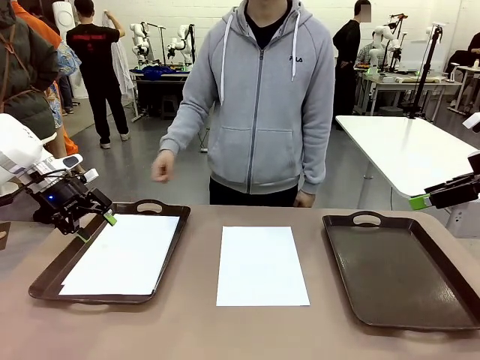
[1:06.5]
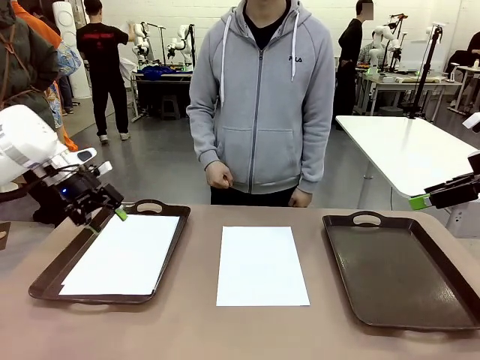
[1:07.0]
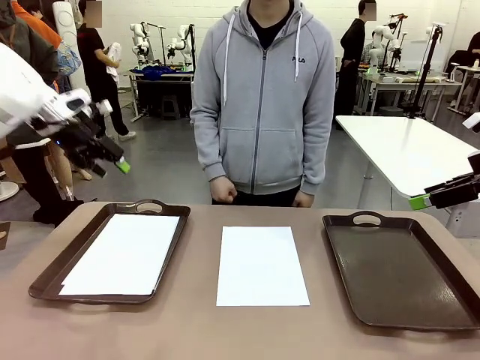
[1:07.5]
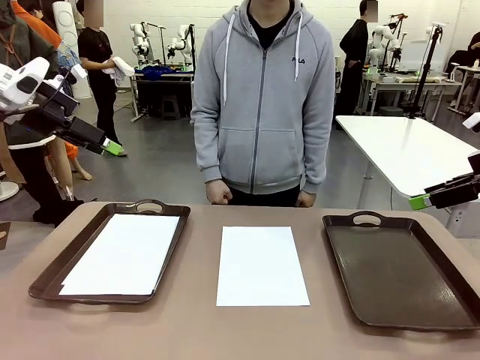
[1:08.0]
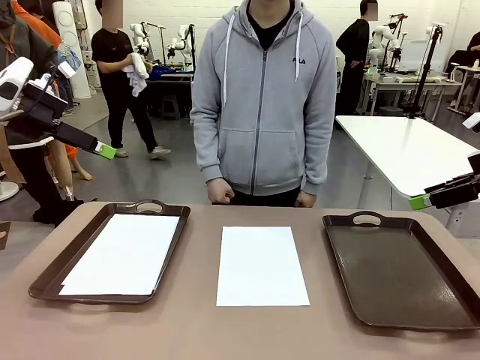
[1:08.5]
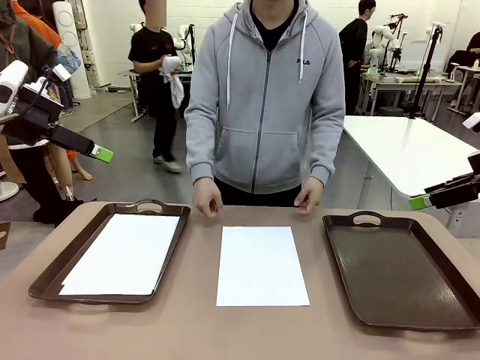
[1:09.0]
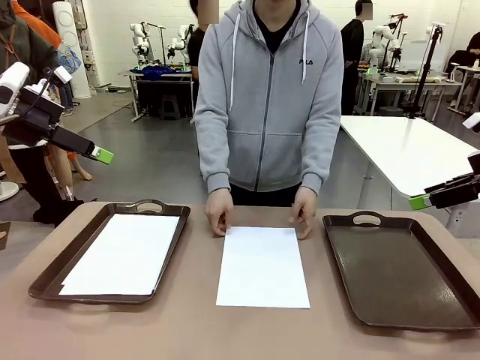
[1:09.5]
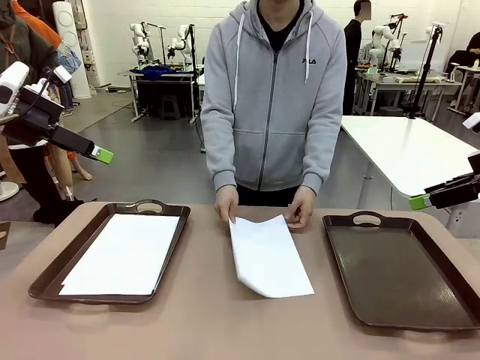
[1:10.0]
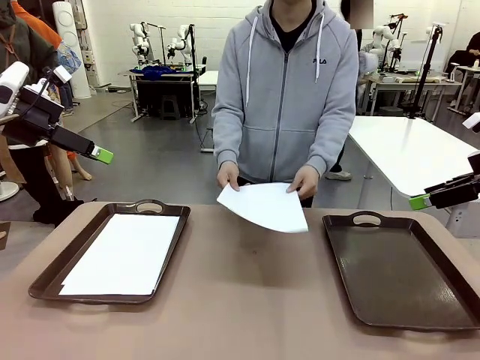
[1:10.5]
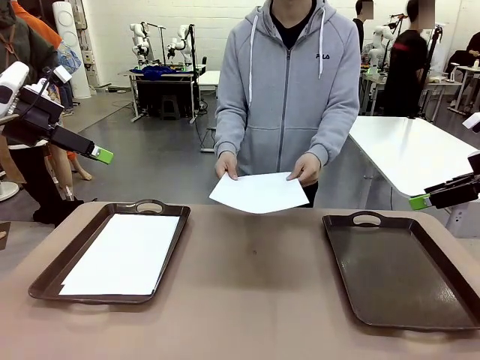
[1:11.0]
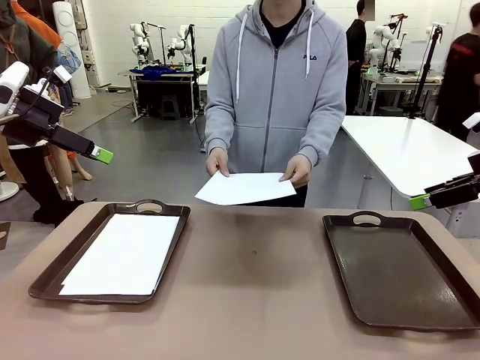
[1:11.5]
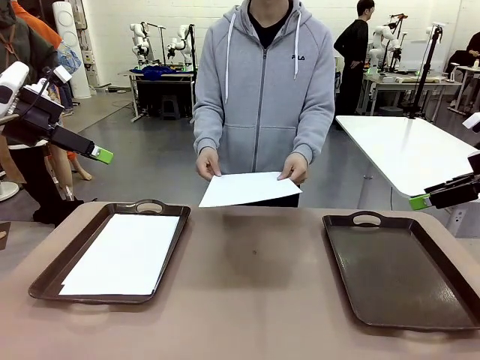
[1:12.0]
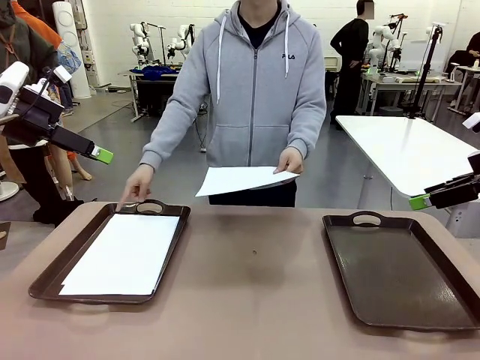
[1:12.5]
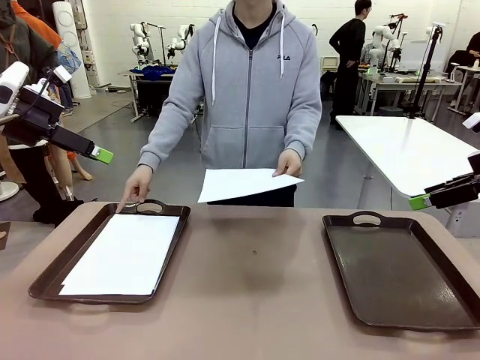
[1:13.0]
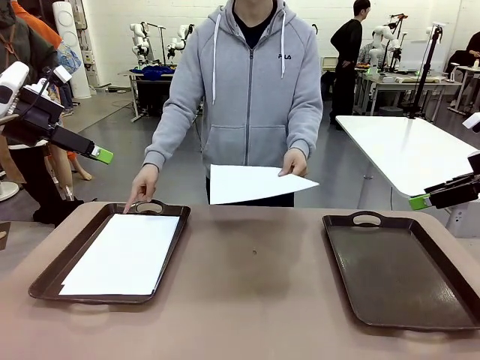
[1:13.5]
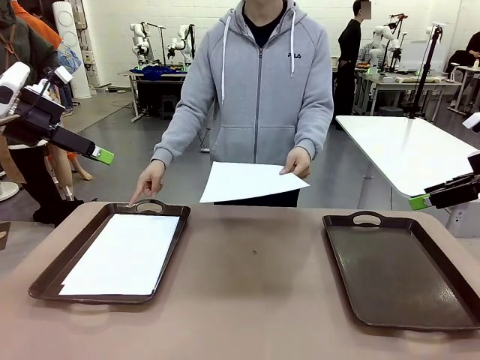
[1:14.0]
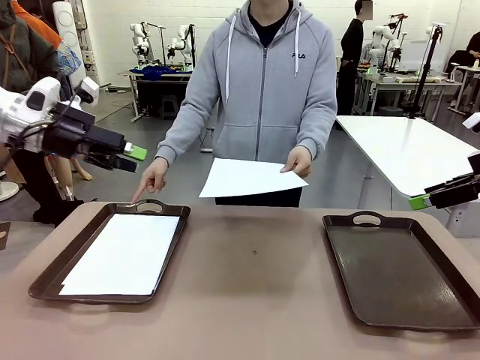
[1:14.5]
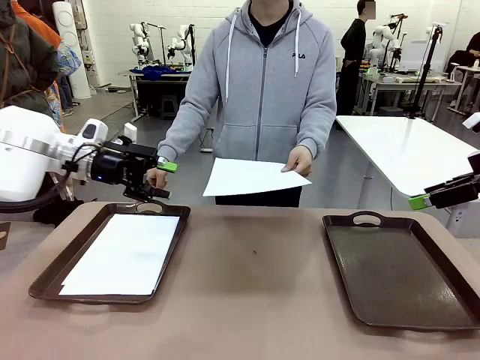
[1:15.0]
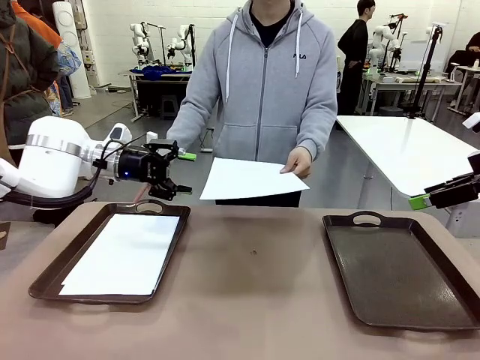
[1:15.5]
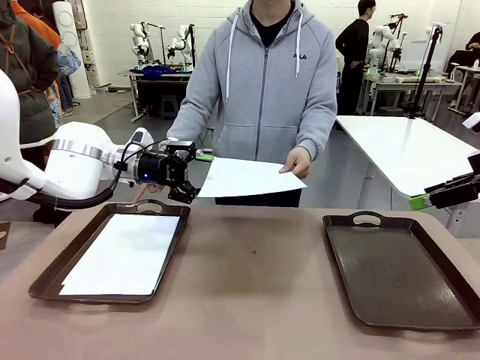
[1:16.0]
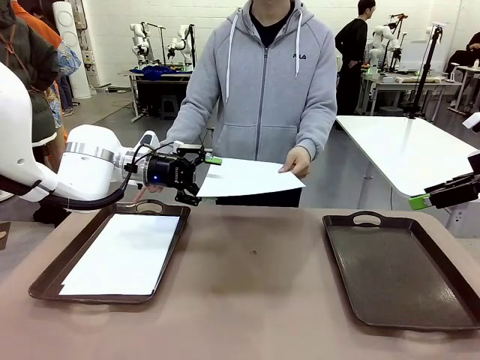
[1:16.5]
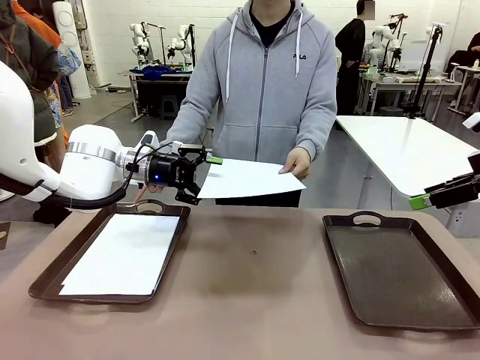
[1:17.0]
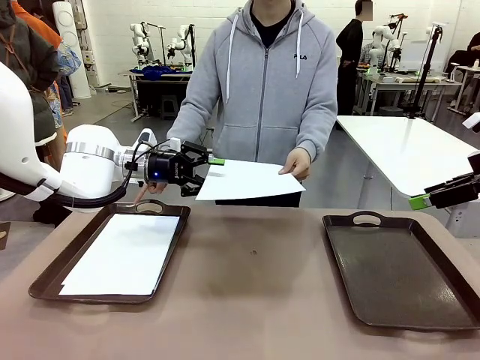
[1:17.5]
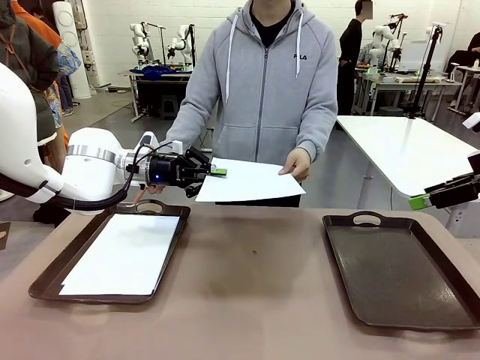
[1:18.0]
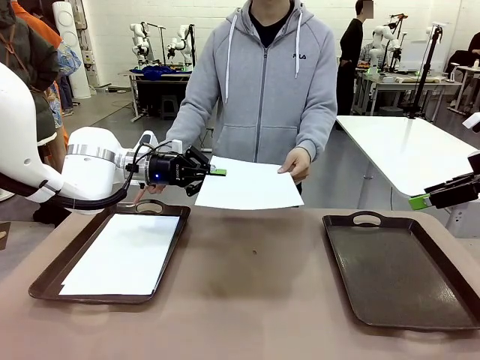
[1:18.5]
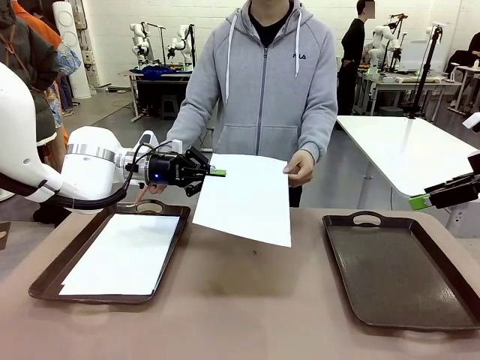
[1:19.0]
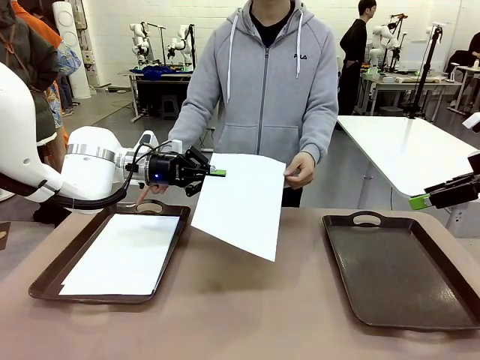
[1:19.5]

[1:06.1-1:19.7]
Task: Sort the A4 documents.
Robot: Receive the A4 Paper.
Person: Point the randomly selected tray with the other hand.

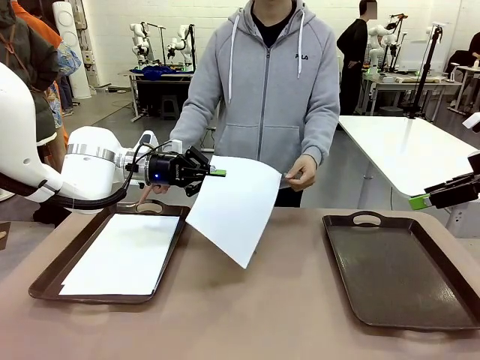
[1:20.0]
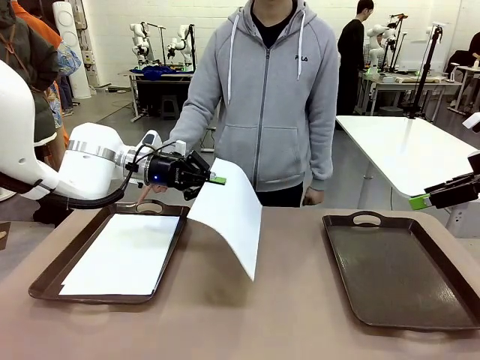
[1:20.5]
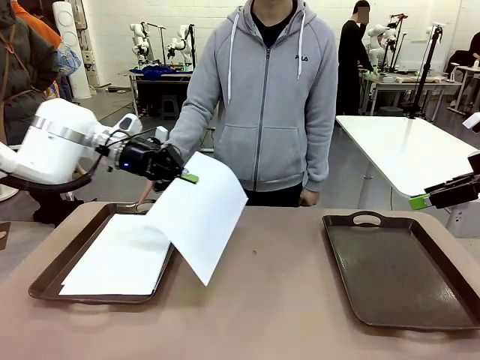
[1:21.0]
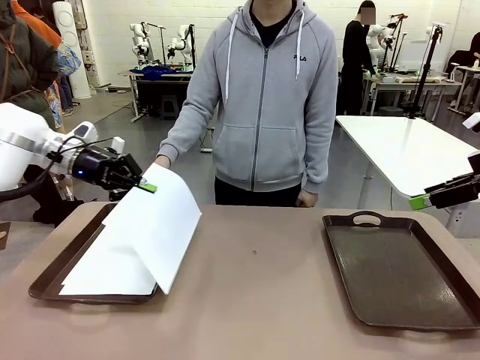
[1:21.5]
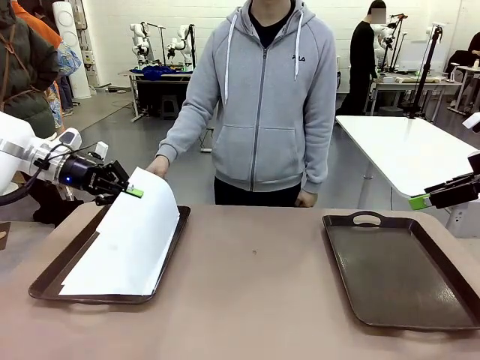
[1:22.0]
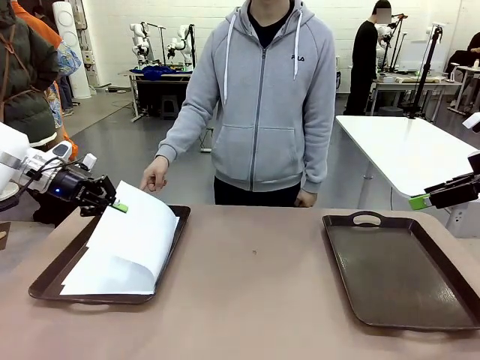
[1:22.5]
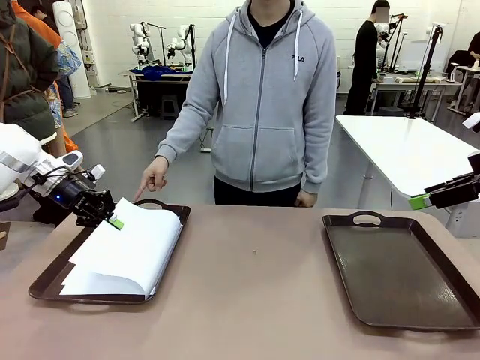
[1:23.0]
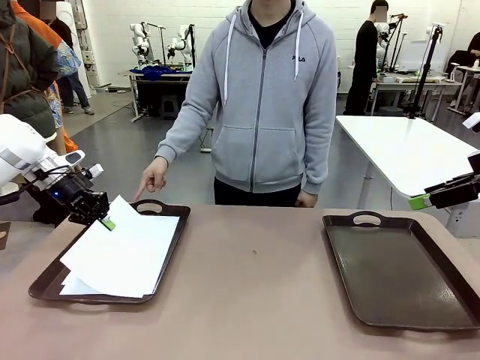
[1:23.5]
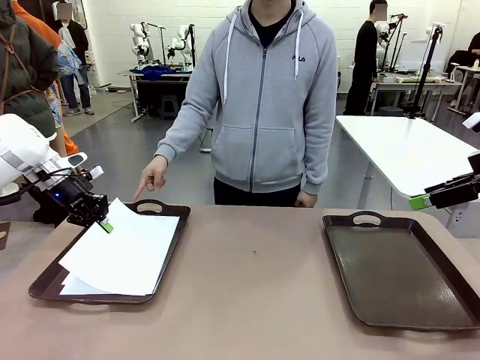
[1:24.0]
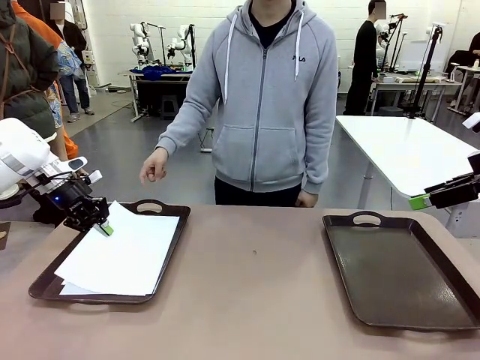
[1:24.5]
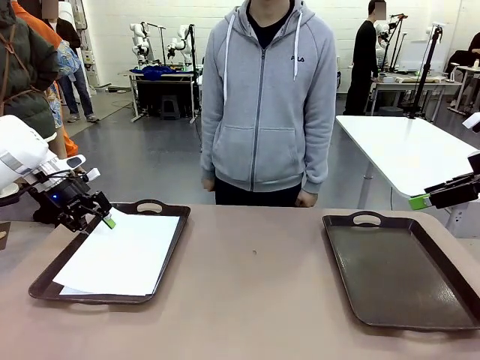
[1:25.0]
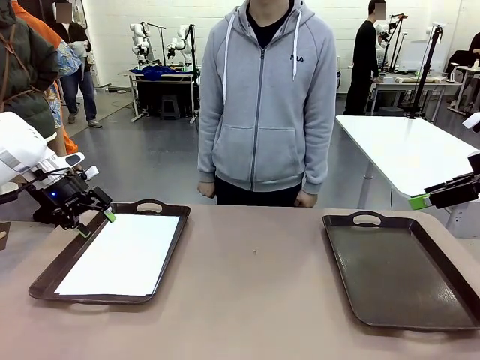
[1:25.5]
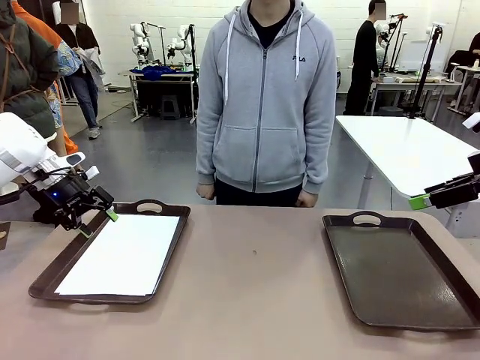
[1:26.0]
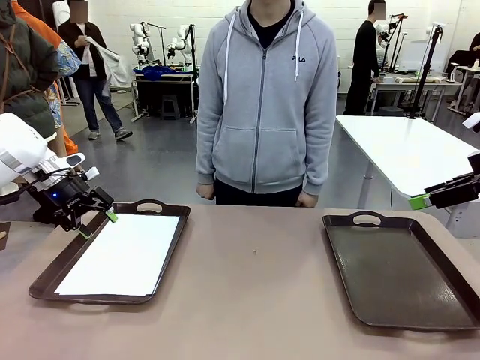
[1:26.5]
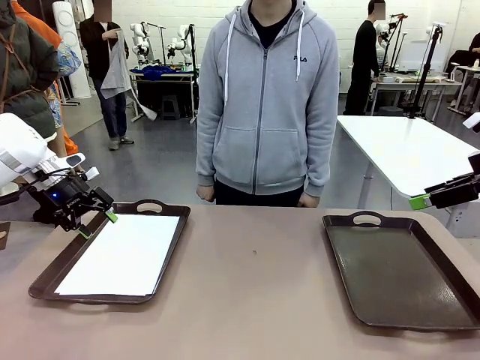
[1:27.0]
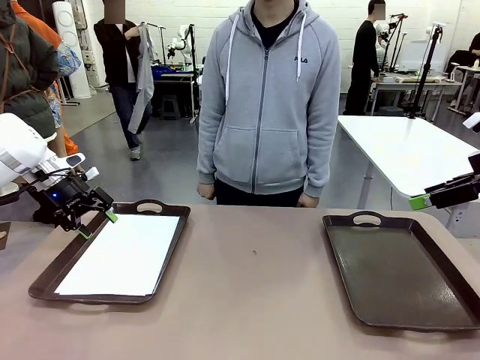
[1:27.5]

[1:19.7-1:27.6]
Robot: Place the A4 Paper in the designated Handle tray.

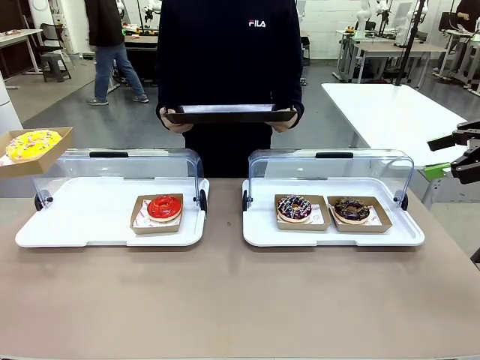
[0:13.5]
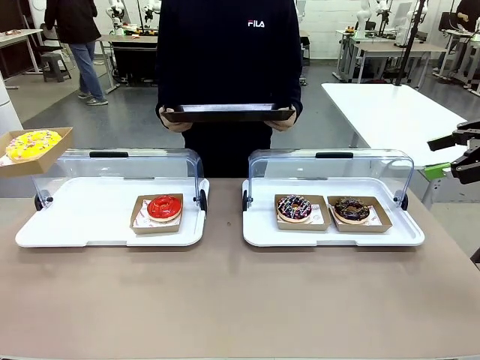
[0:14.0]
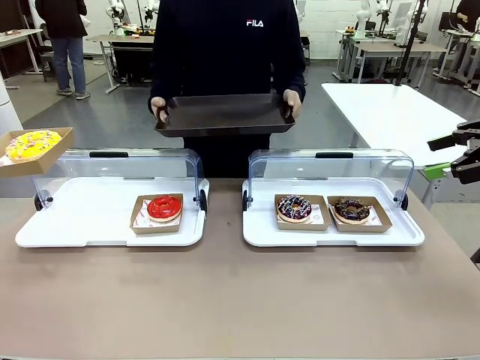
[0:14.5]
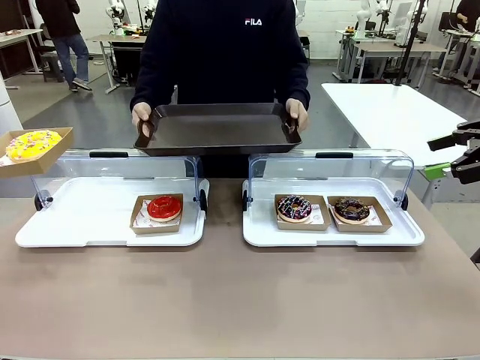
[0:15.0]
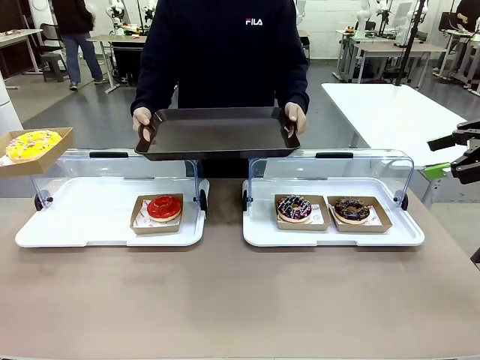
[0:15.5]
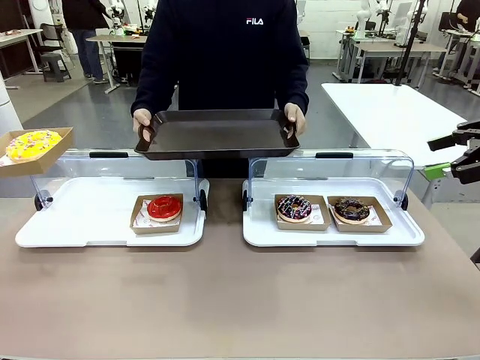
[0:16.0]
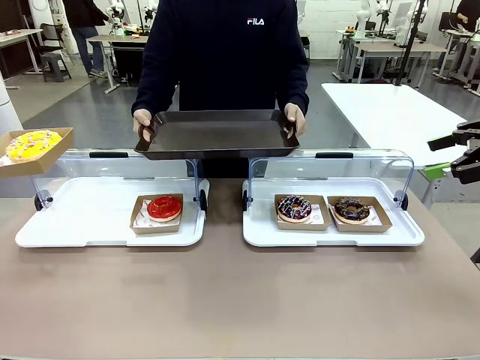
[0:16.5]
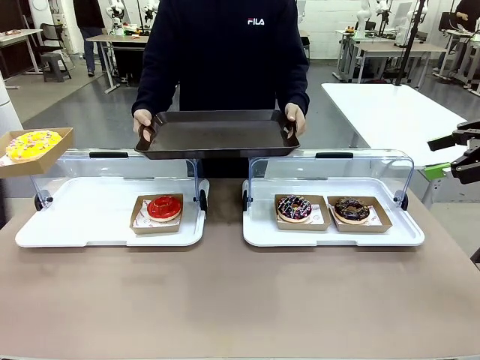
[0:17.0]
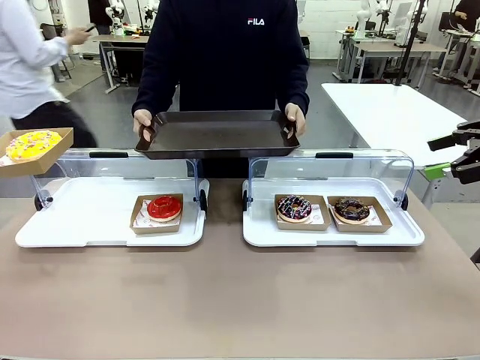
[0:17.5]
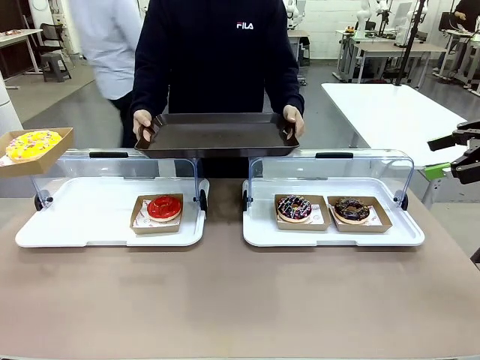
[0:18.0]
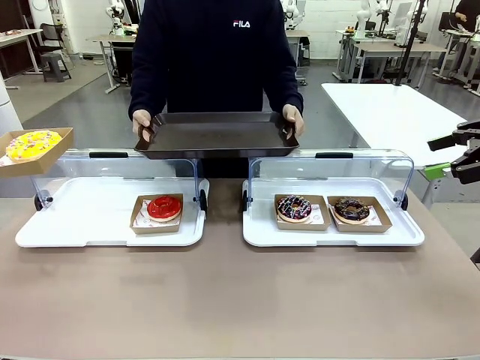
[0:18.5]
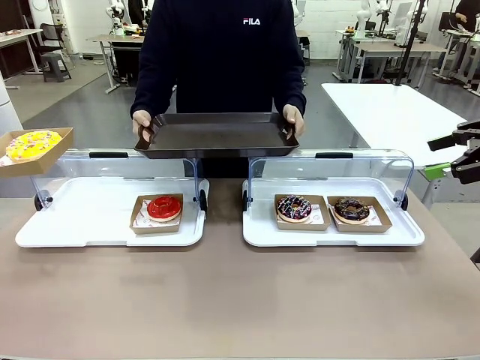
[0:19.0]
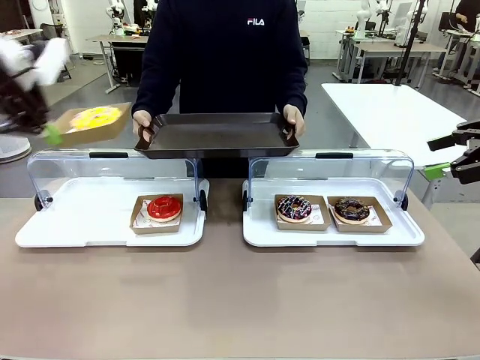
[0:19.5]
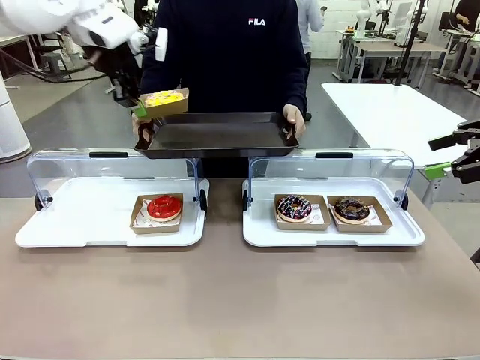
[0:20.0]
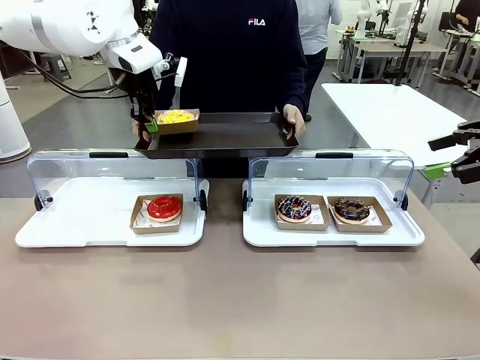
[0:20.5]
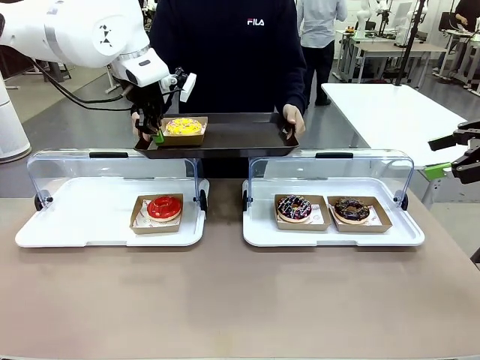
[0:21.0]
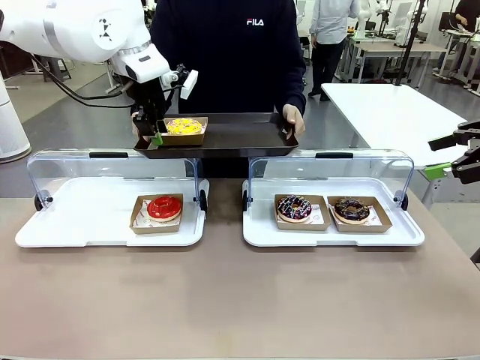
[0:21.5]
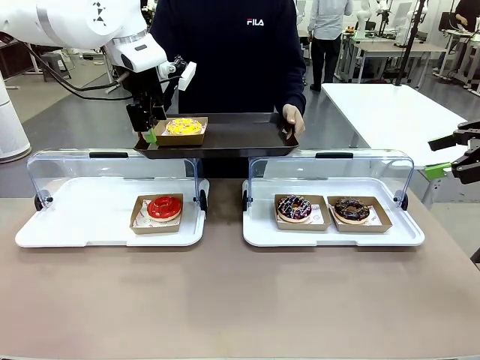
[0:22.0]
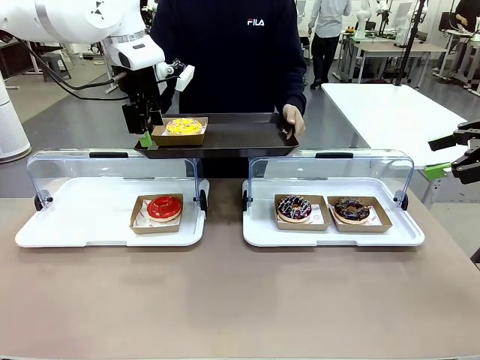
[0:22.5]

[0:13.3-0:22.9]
Task: Provide the desired donut to the person.
Robot: Place the picked Paper togo box onto the Handle tray extended by the person.
